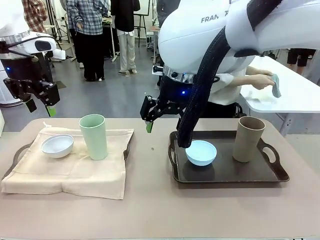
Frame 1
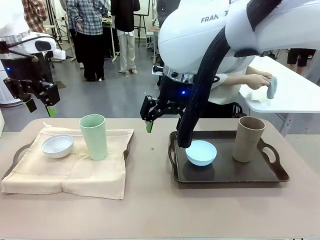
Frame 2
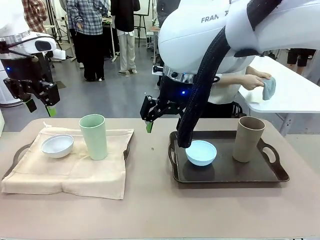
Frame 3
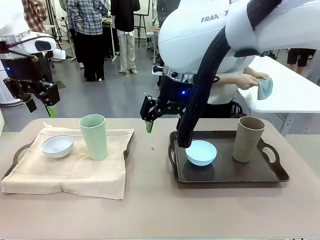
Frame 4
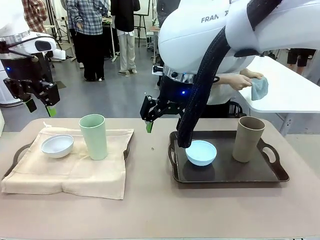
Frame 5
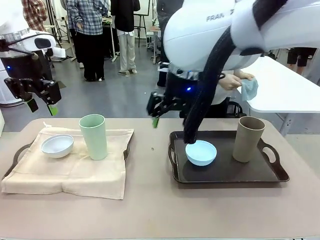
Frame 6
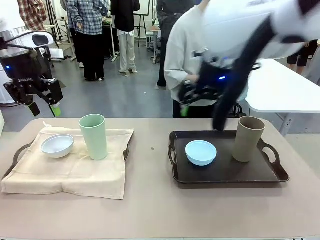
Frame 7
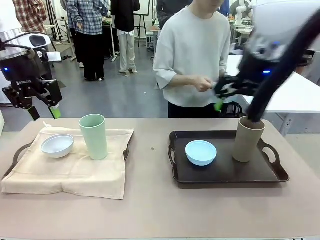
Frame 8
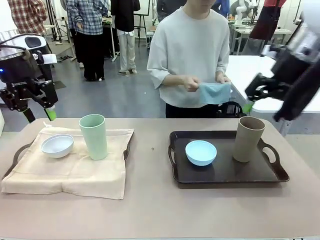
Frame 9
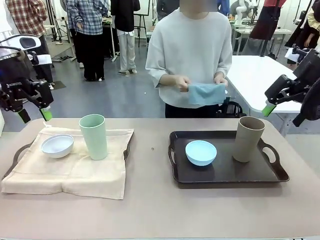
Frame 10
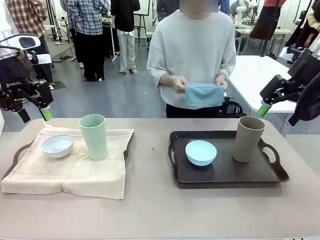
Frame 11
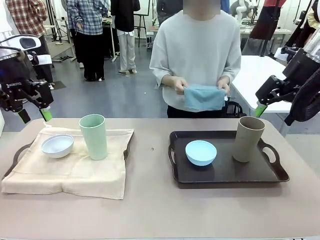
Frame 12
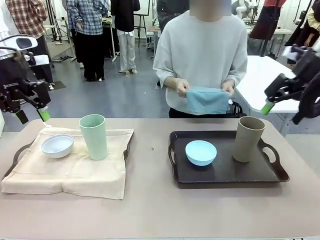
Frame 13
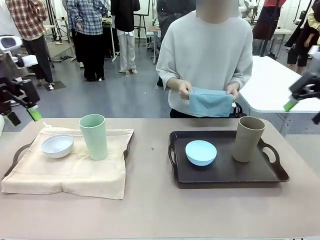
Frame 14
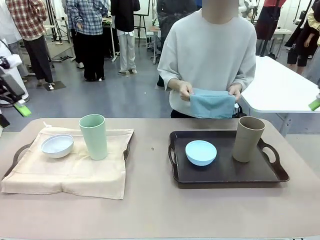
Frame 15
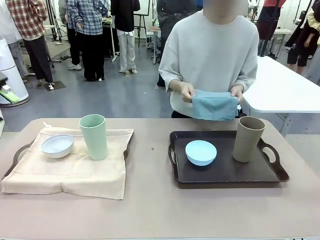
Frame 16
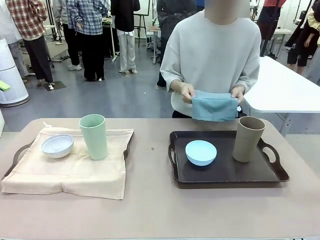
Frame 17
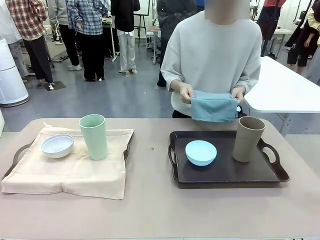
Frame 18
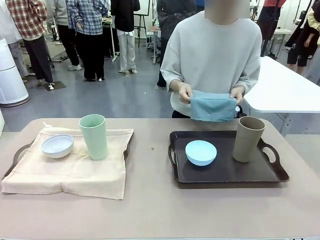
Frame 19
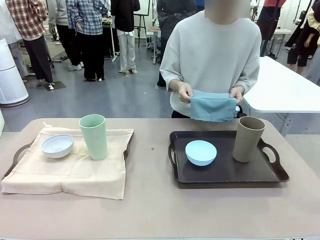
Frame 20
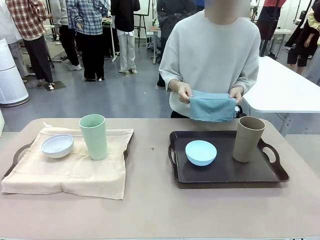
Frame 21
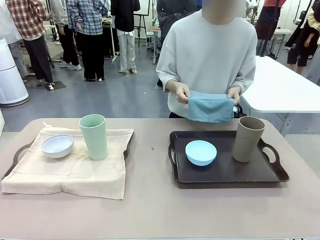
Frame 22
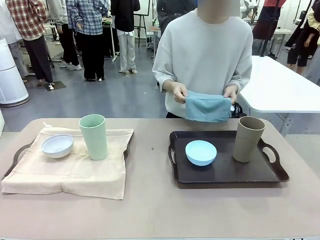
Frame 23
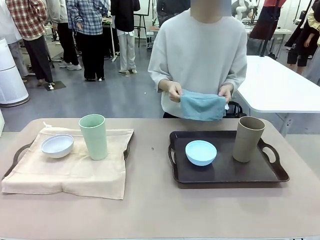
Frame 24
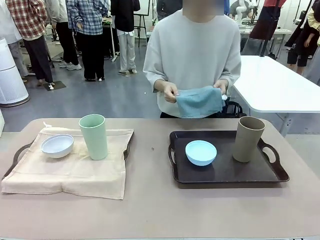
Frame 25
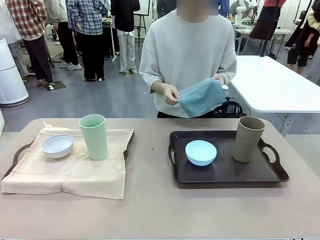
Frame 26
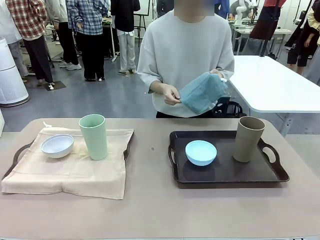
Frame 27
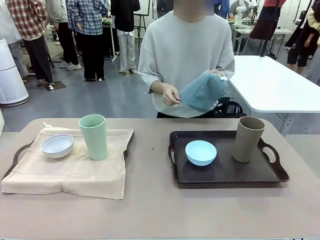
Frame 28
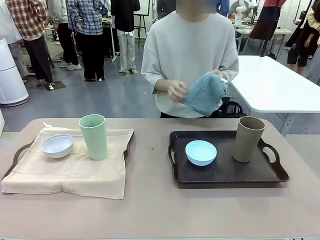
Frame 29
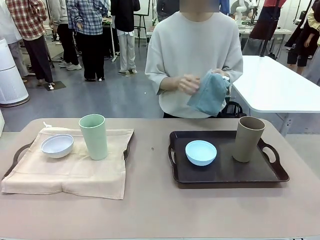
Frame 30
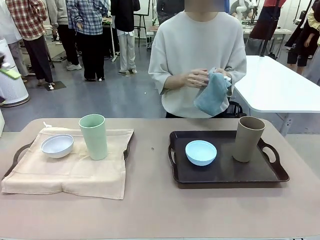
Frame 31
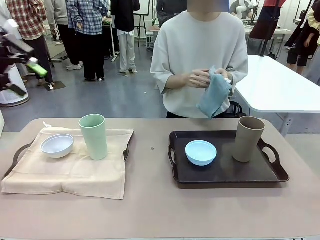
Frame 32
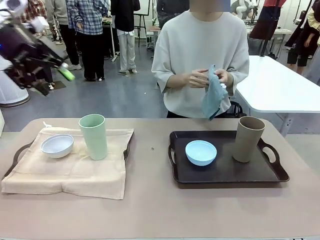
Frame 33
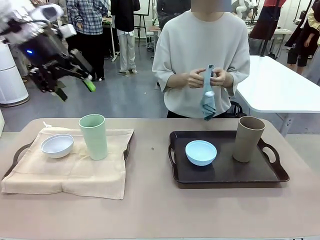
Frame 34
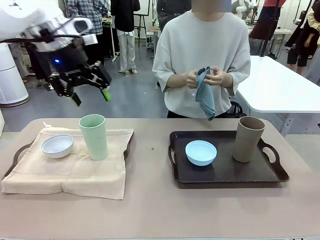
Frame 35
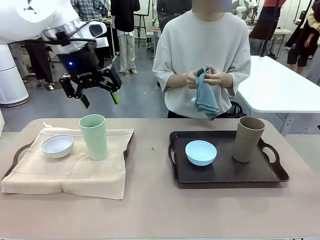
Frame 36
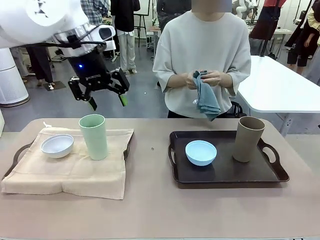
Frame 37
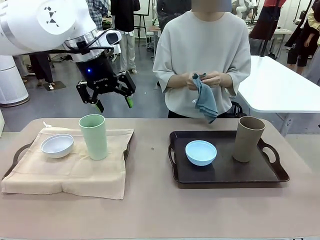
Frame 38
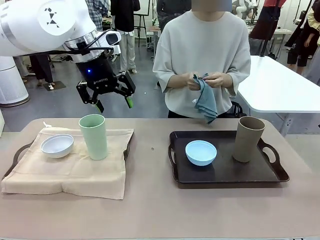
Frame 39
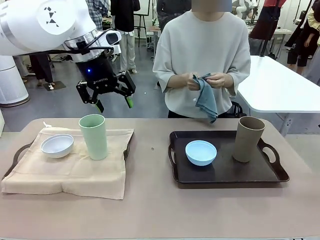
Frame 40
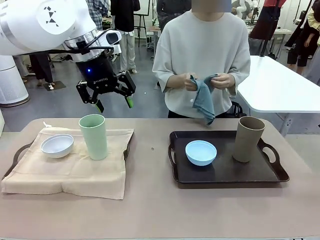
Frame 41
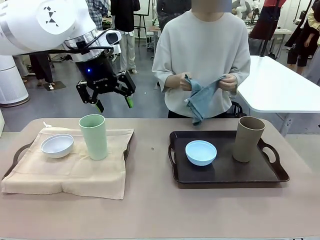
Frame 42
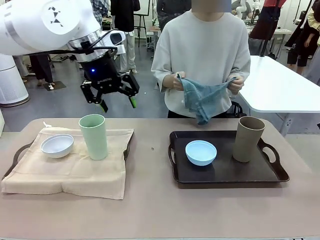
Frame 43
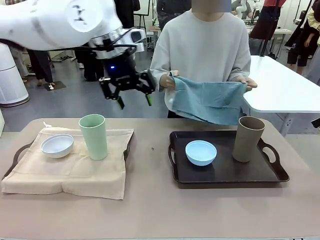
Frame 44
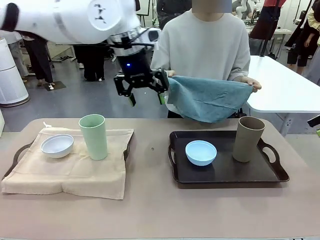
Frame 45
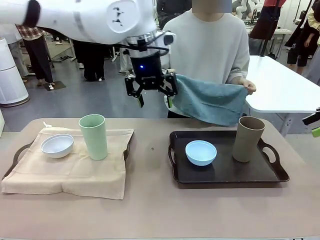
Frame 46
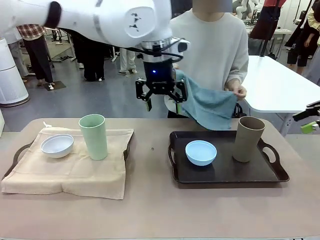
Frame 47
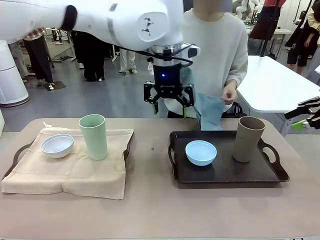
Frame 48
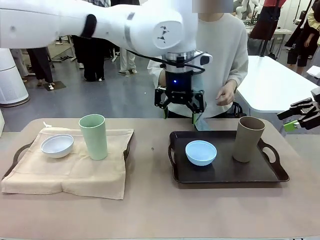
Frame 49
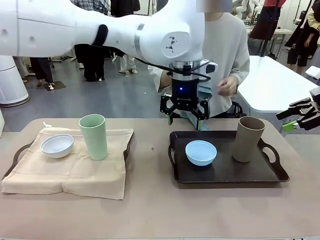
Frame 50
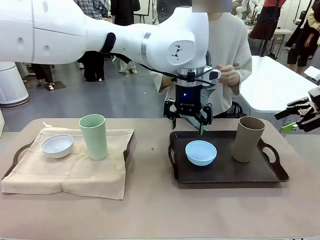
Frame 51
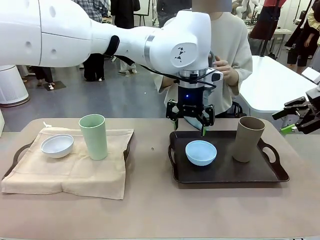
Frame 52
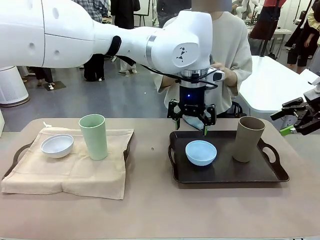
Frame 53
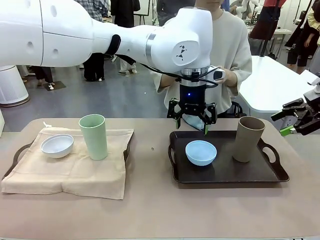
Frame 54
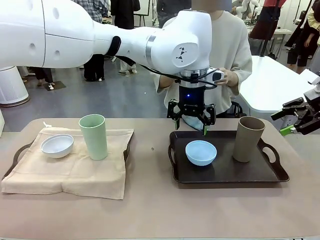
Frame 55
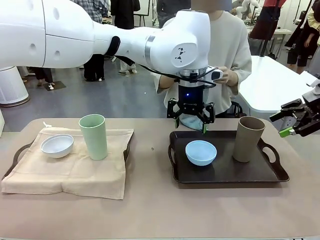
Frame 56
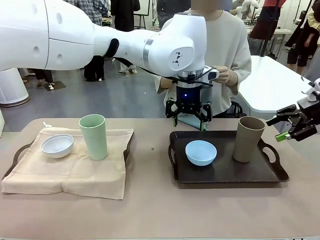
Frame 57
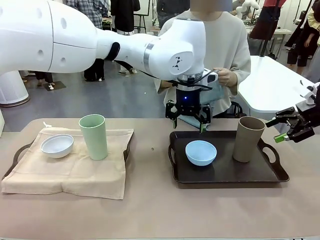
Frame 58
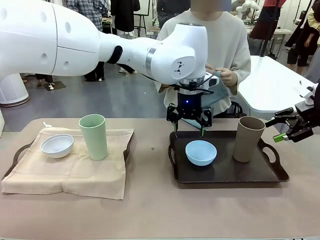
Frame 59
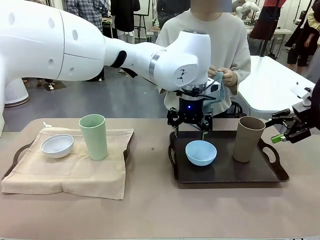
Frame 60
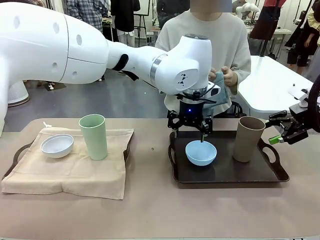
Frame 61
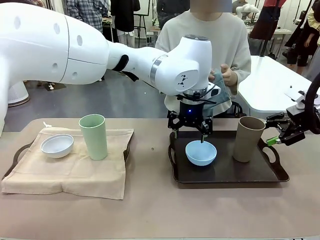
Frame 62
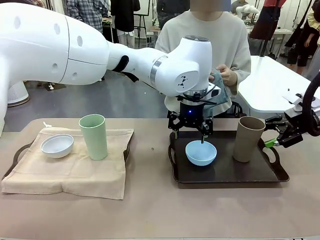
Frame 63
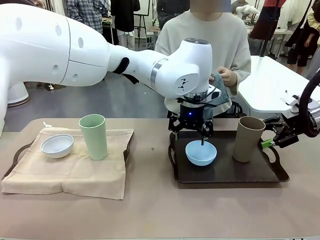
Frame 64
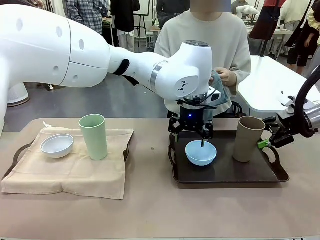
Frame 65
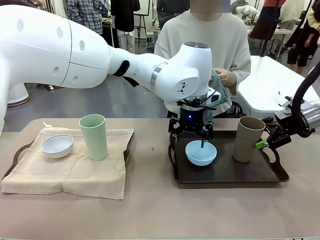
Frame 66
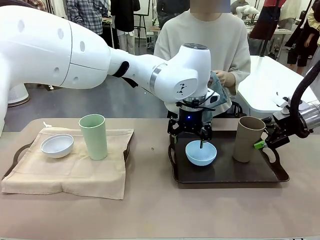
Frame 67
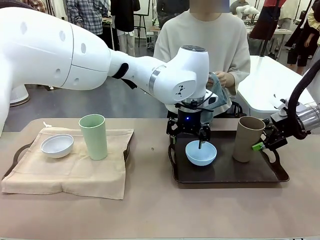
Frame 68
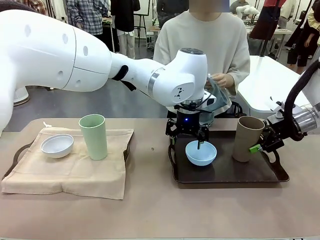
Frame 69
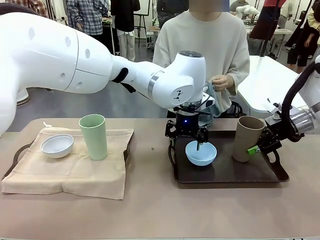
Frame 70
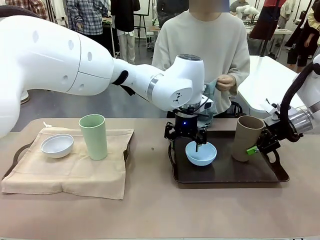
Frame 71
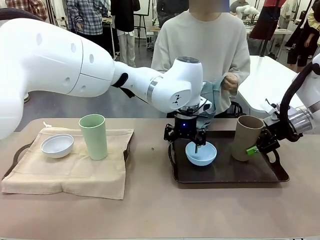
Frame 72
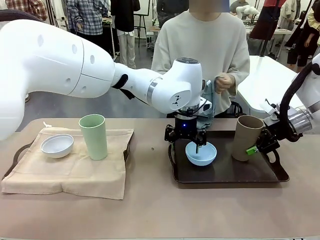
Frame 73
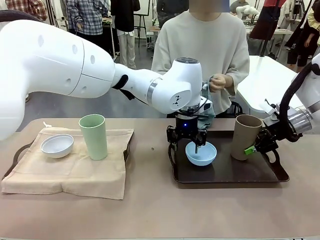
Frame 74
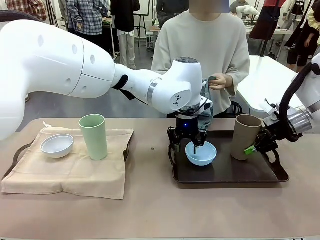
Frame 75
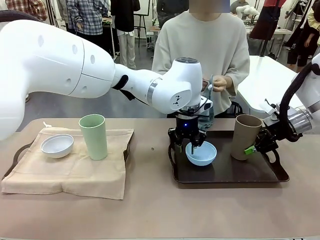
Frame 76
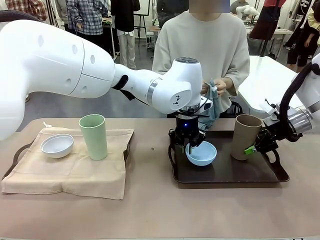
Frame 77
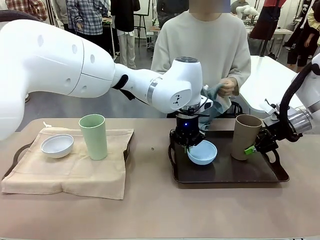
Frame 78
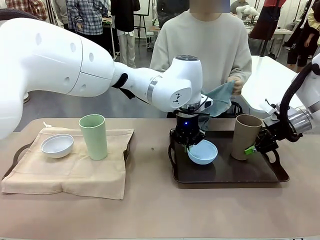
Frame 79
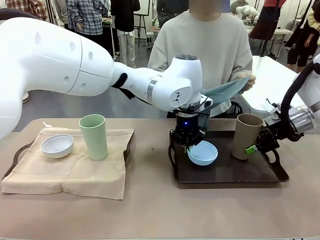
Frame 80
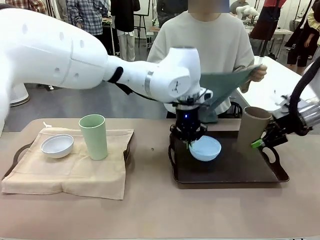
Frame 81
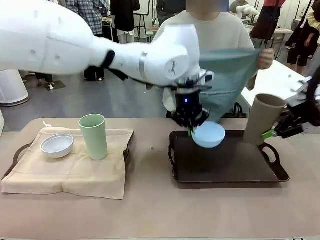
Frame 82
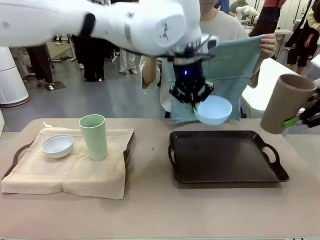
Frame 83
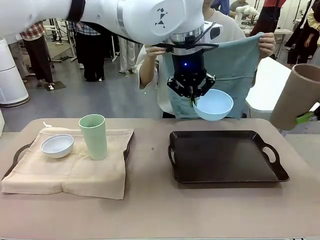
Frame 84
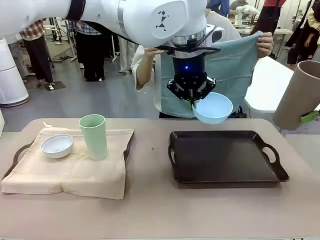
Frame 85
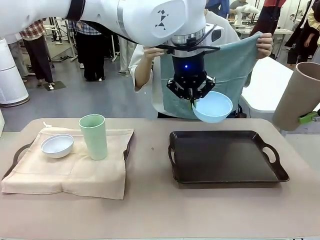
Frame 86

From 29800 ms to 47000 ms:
Robot: Pick up the Picnic Bowl and Reusable plastic cup from the Handle tray in front of the human's position and hold them in the air.
